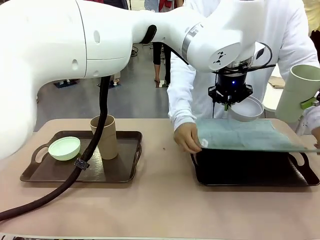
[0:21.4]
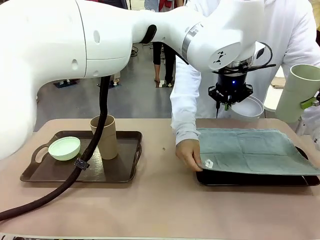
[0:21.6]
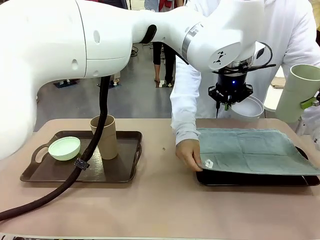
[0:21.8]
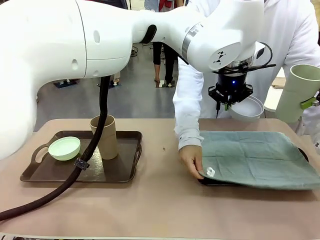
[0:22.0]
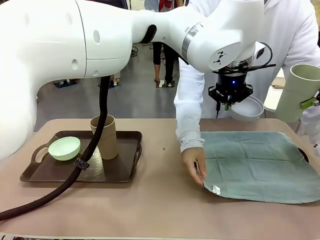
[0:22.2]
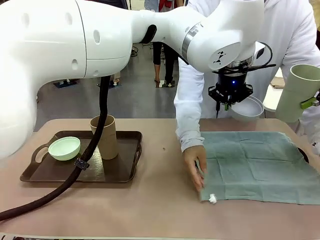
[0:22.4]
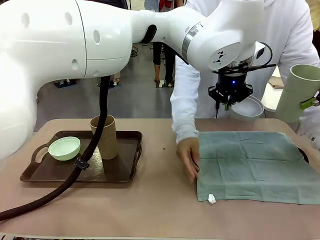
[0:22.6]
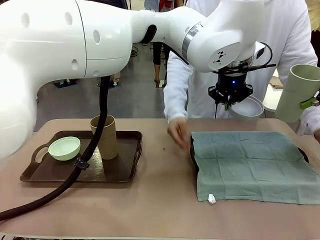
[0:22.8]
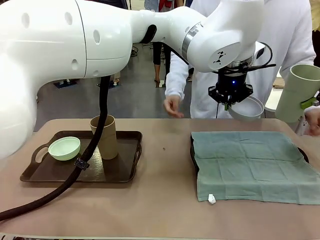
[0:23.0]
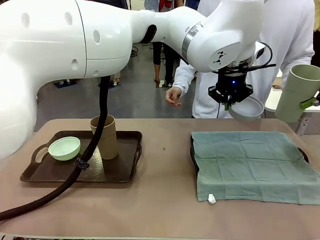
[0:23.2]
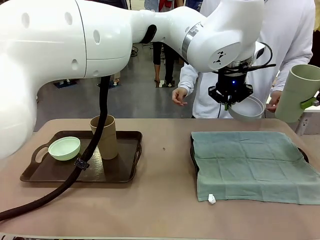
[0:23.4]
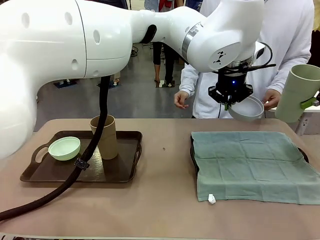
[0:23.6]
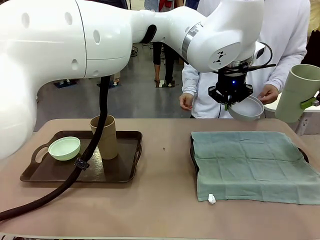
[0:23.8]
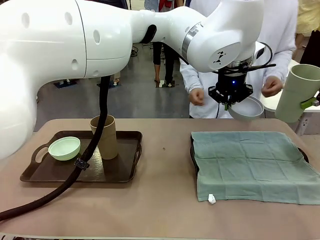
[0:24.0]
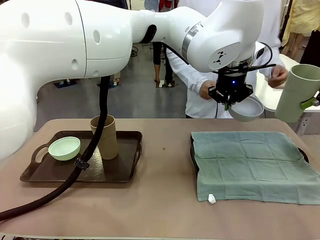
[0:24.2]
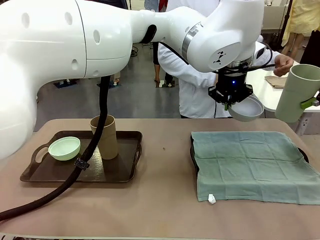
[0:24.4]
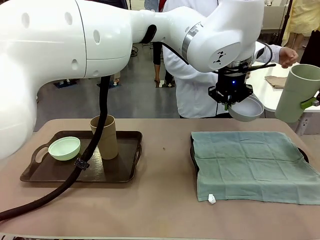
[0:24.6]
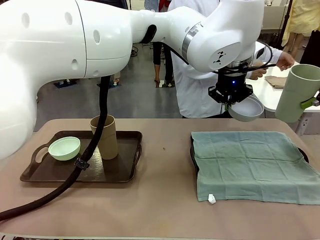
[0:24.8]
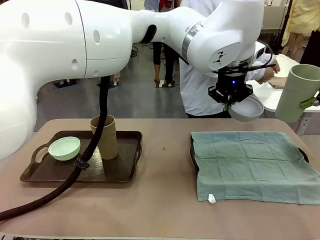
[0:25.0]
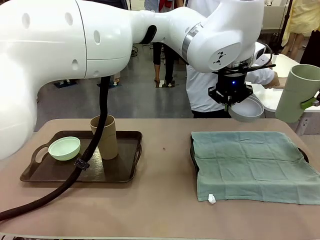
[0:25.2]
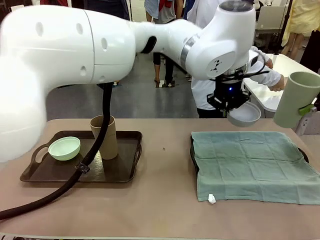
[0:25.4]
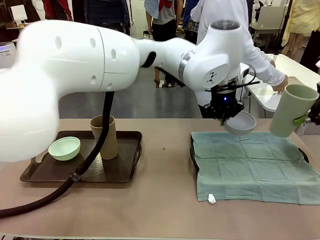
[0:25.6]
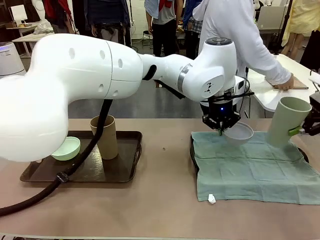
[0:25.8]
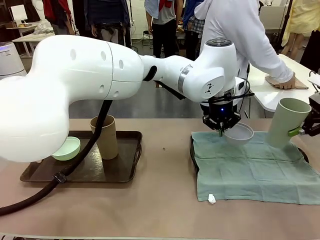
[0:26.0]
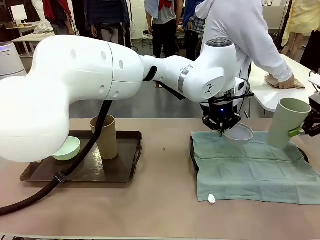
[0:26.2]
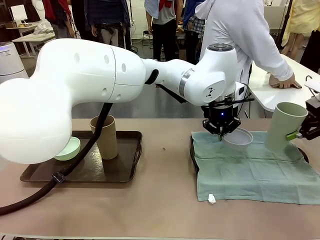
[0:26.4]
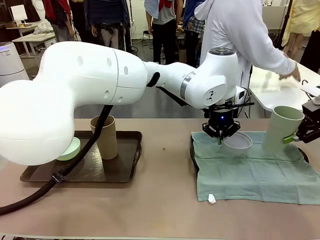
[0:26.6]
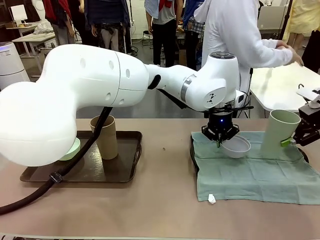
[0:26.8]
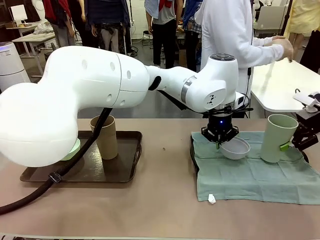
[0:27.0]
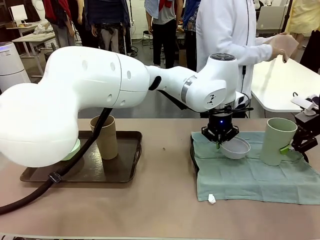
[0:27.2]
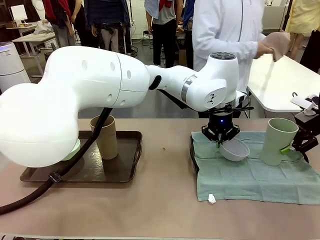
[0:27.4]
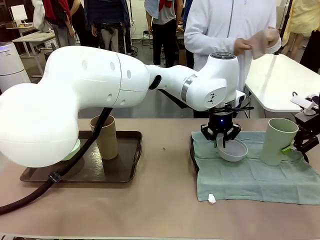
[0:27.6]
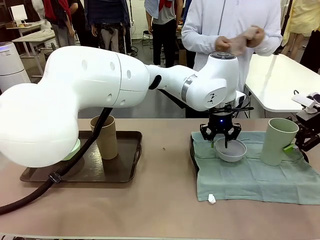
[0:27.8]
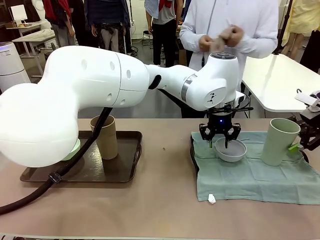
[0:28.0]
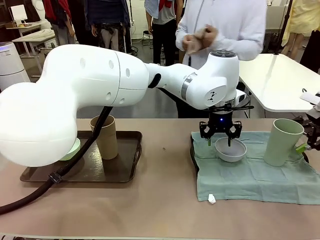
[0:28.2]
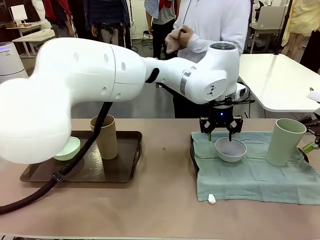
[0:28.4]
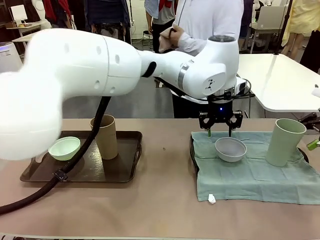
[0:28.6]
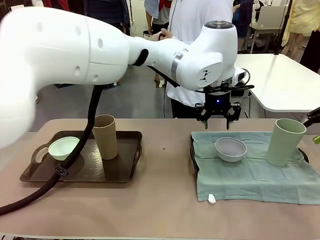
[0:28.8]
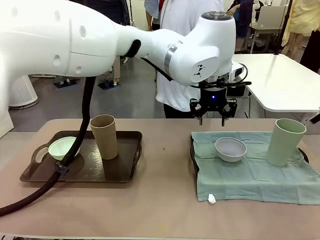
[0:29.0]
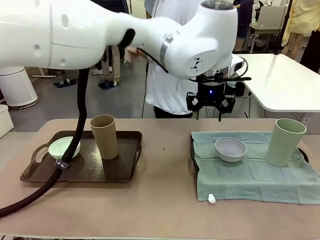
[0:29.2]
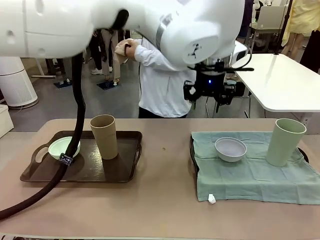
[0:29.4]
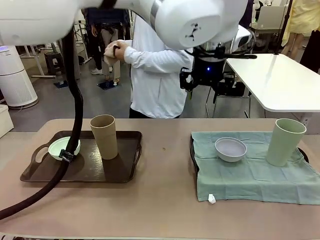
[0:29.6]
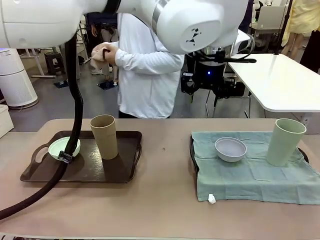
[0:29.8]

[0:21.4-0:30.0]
Robot: Place the Picnic Bowl and Reusable plastic cup back onto the Handle tray in front of the human's position.
Person: The human returns to the human table to pick up another napkin and walks to the robot table to stand in front of the tray without a napkin.

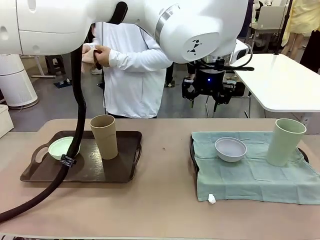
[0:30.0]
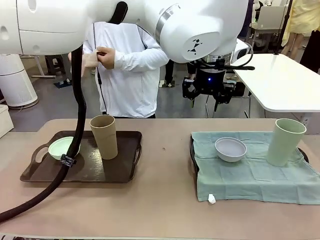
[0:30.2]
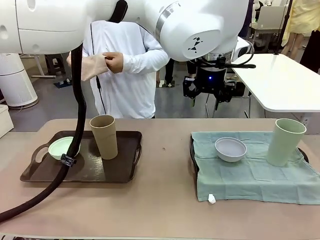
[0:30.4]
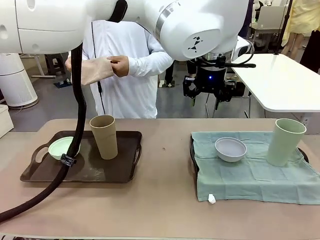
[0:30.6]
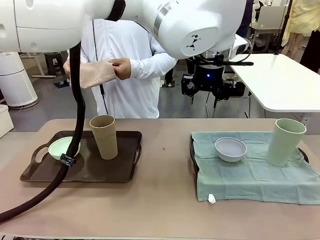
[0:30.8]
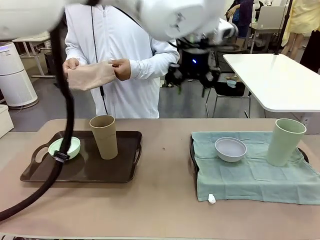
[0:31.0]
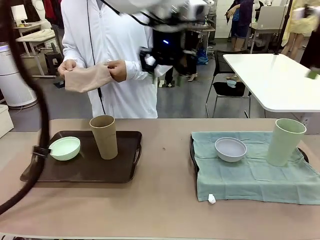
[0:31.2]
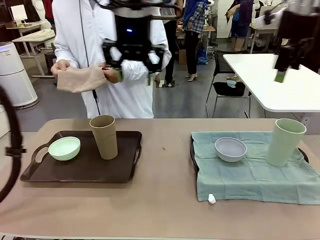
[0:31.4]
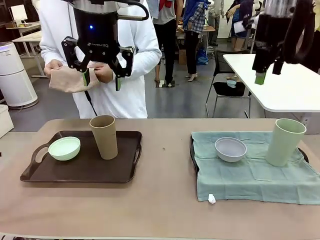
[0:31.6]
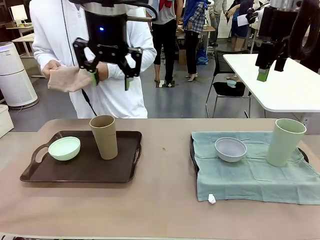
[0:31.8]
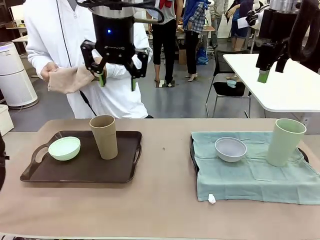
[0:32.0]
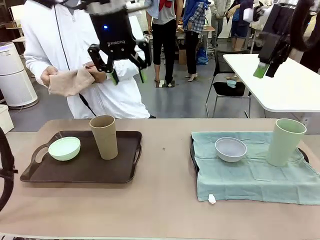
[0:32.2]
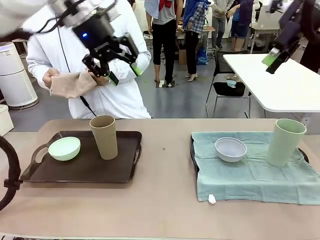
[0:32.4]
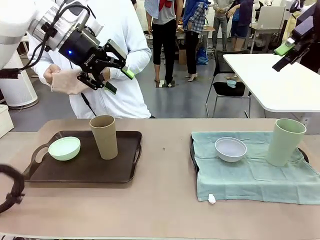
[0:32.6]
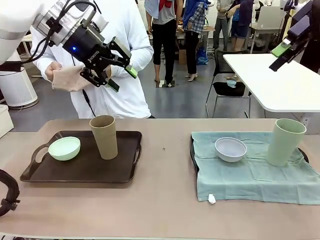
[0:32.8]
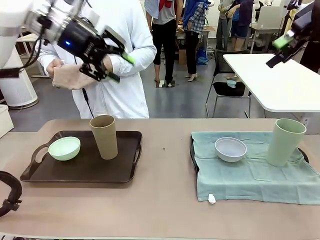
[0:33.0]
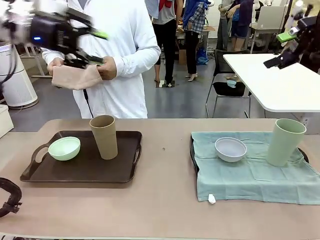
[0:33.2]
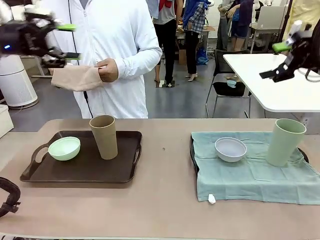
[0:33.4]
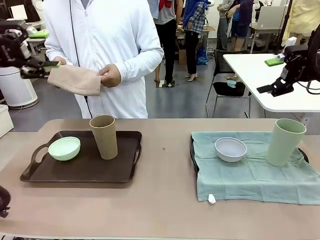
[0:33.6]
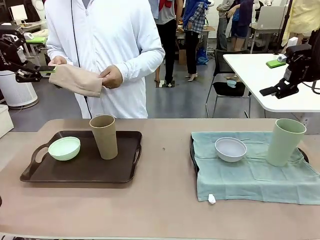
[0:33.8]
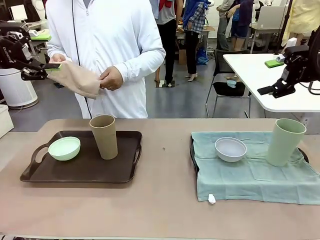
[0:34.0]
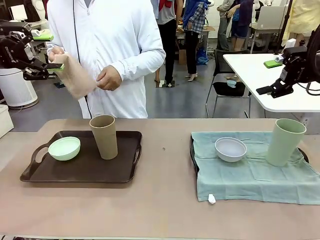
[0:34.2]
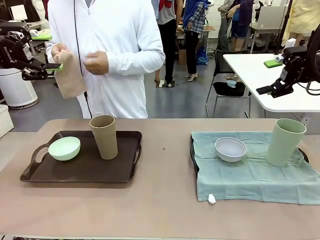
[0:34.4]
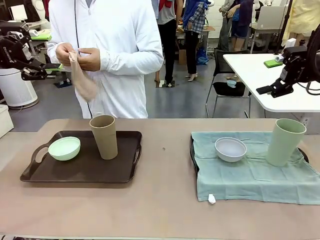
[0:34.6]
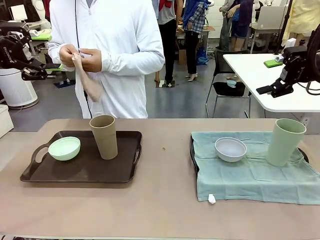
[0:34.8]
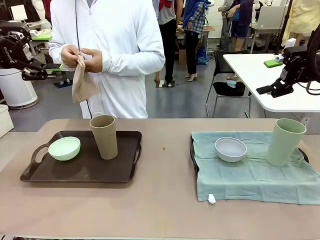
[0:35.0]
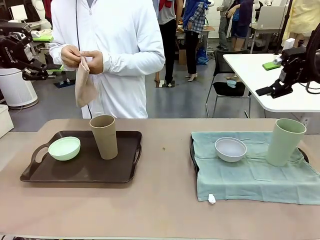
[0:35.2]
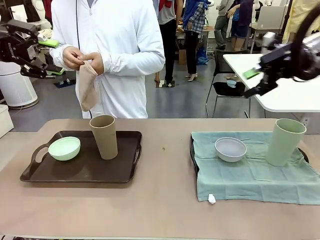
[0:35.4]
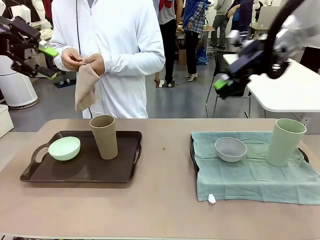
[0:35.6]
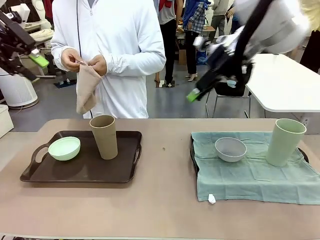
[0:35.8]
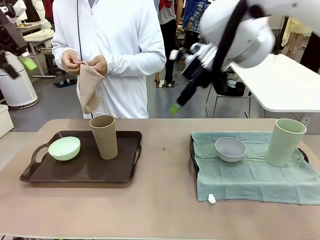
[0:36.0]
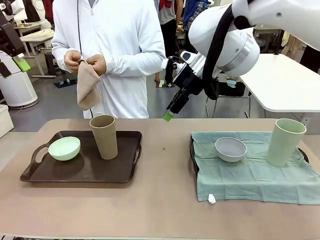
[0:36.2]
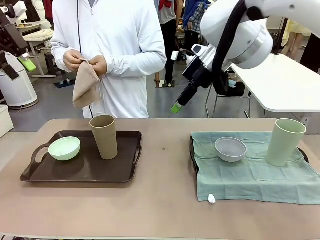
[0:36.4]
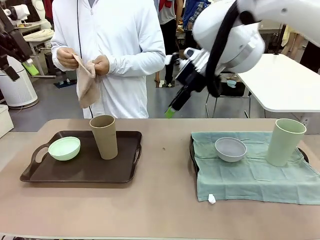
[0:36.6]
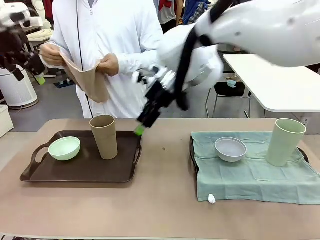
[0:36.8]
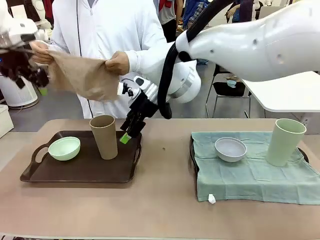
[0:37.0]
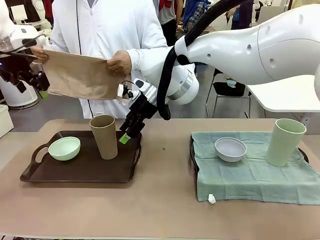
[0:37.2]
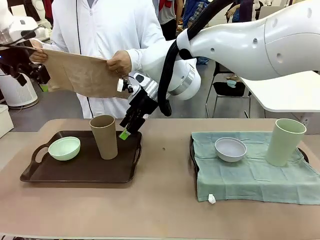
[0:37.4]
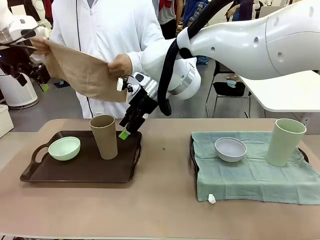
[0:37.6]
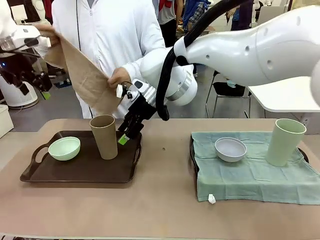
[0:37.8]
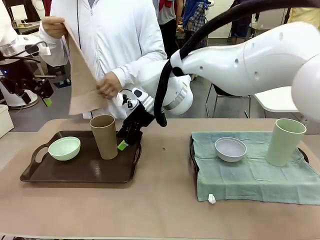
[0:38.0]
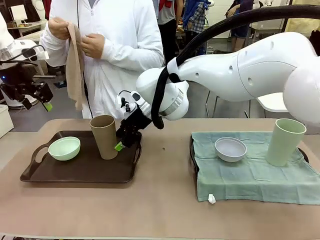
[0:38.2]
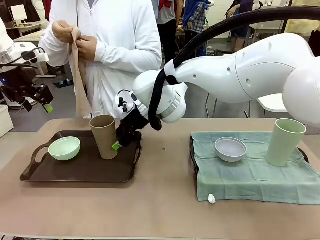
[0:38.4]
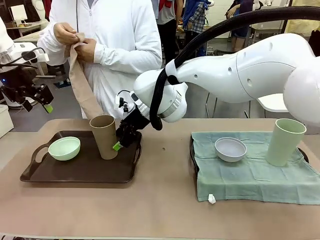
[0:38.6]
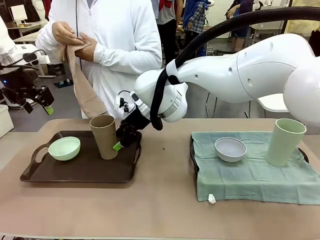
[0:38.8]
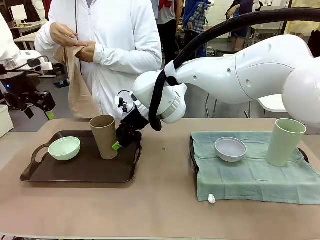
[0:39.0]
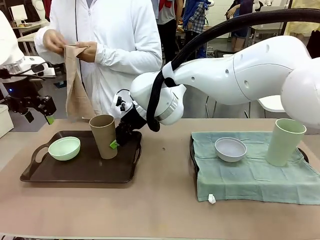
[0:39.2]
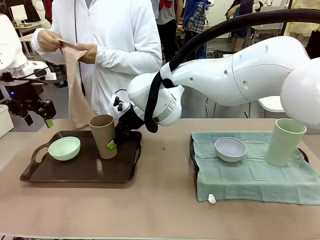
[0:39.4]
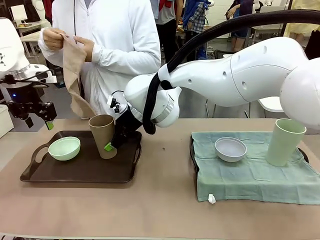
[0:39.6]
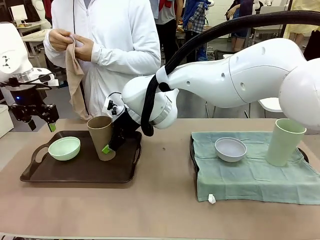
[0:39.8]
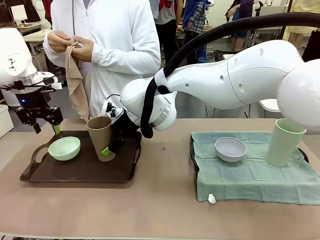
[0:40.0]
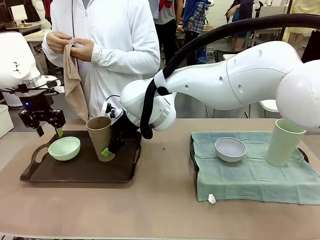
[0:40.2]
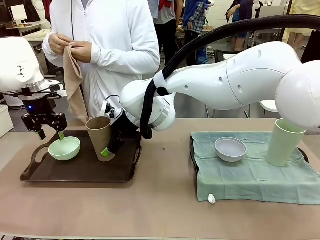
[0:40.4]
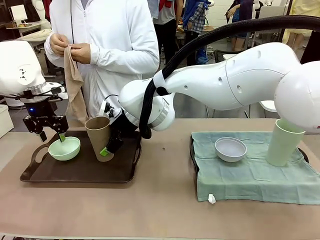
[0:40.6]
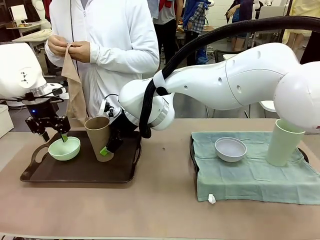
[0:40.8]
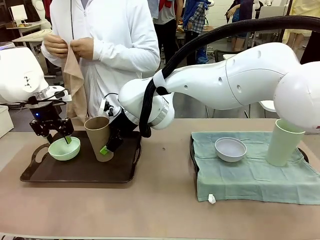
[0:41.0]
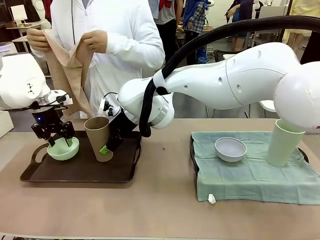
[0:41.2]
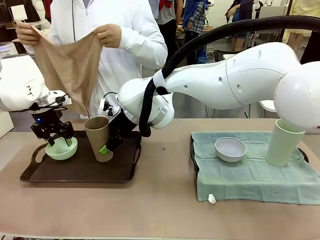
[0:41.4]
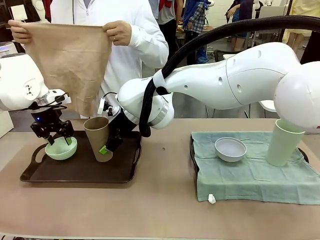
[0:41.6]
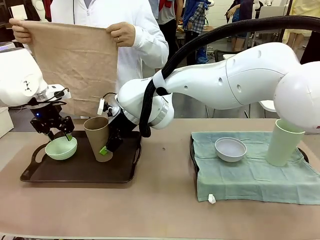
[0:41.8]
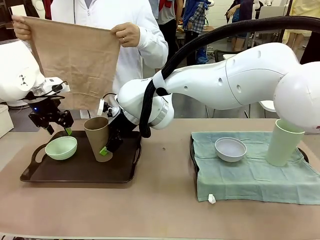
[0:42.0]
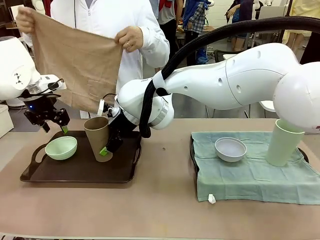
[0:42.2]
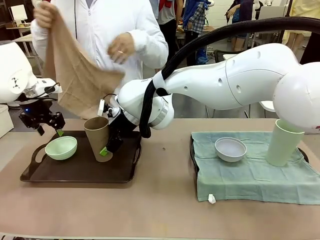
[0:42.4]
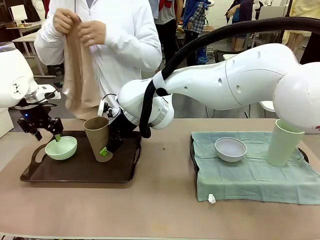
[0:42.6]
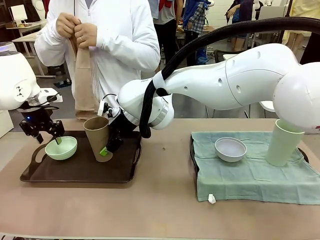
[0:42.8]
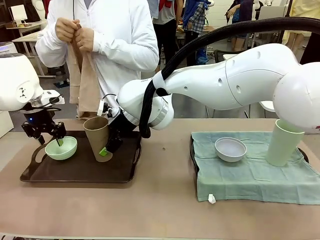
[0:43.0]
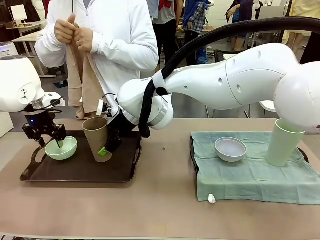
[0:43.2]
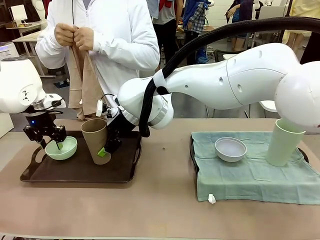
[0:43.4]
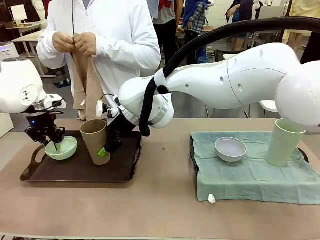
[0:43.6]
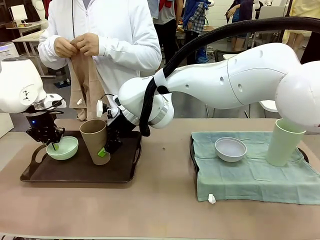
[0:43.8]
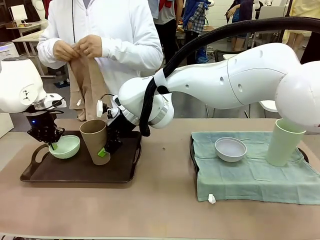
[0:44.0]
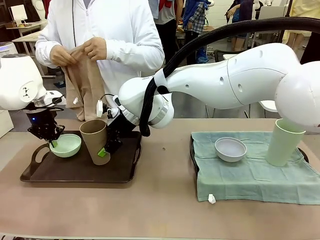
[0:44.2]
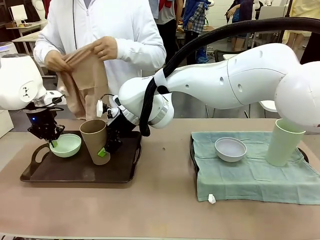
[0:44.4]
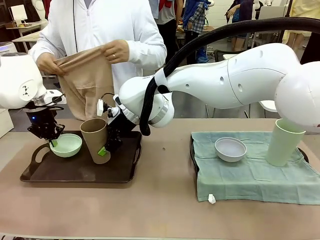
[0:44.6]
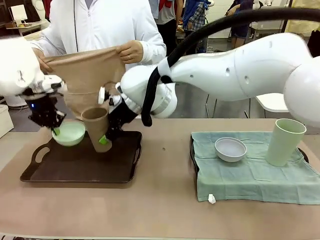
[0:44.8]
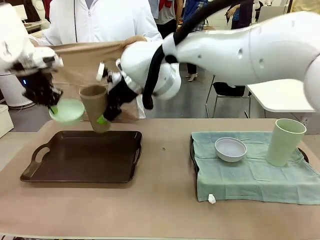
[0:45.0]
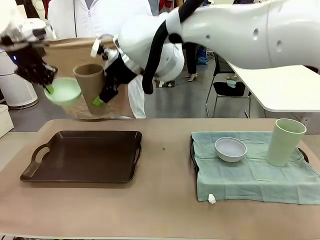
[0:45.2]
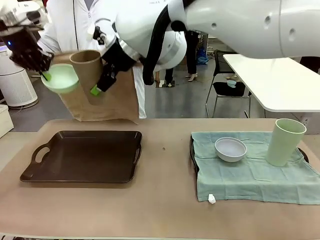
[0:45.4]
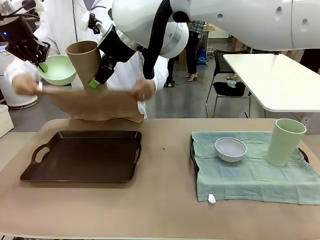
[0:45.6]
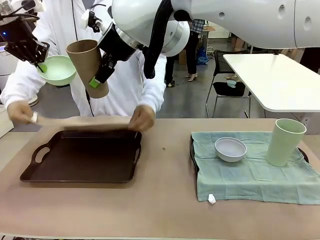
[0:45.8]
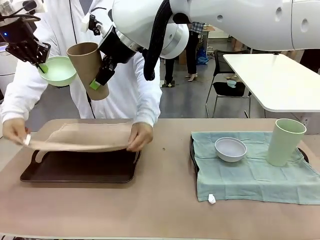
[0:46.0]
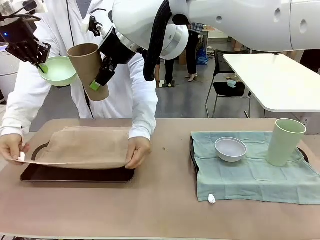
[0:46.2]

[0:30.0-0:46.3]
Robot: Pick up the Picnic Bowl and Reusable plastic cup from the Handle tray in front of the human's position and hold them in the air.
Person: When the robot lifts the bowl and the cup, the human unfolds the napkin and lays the napkin flat on the tray.
